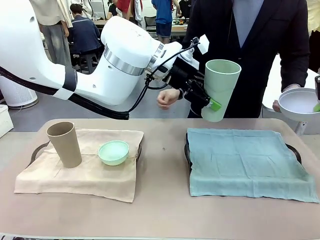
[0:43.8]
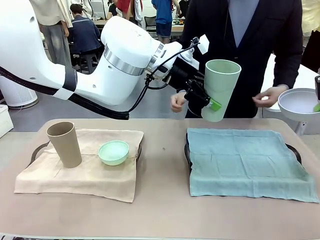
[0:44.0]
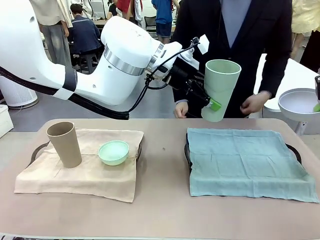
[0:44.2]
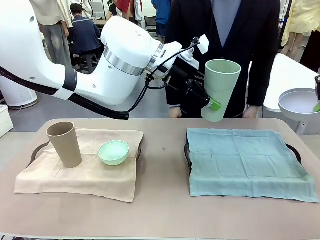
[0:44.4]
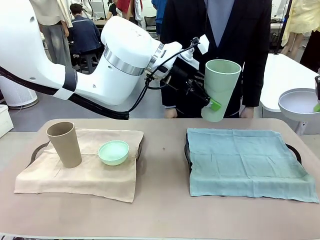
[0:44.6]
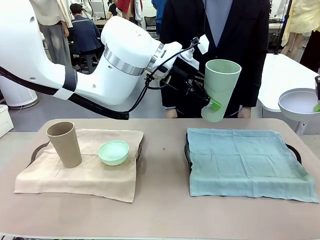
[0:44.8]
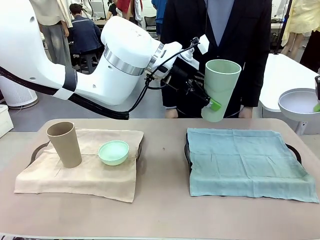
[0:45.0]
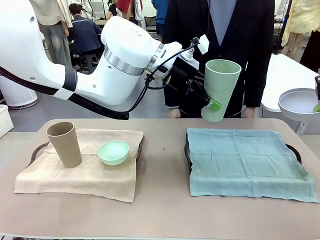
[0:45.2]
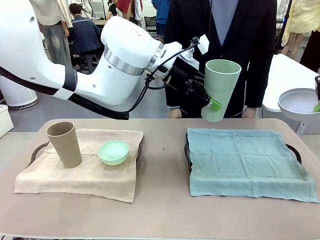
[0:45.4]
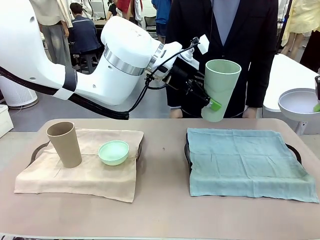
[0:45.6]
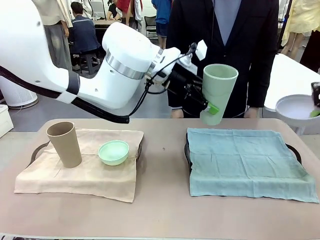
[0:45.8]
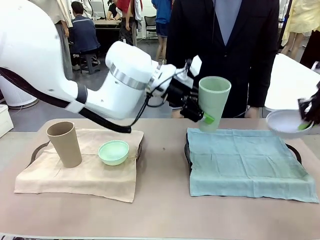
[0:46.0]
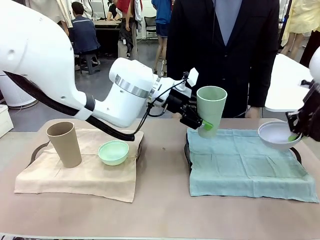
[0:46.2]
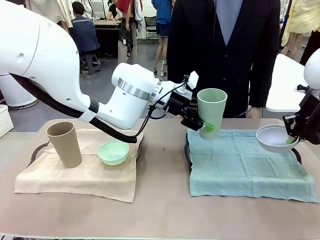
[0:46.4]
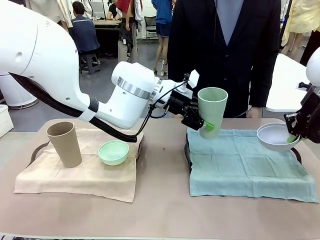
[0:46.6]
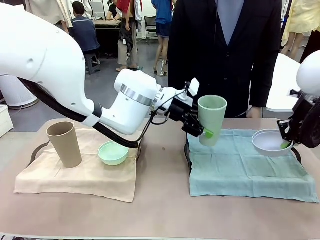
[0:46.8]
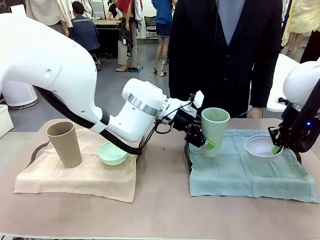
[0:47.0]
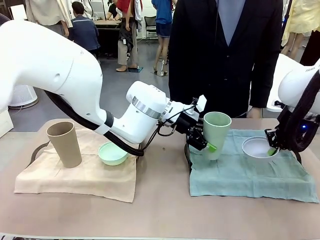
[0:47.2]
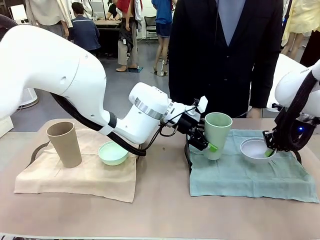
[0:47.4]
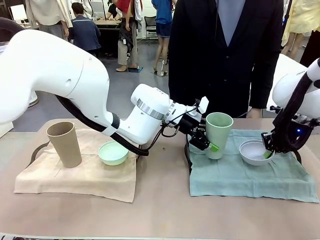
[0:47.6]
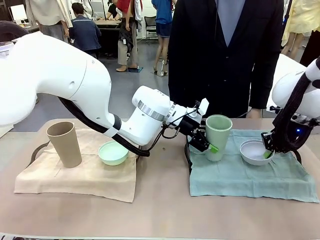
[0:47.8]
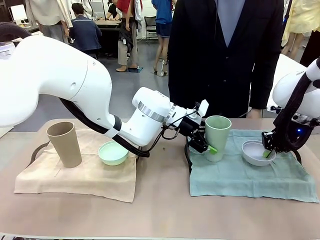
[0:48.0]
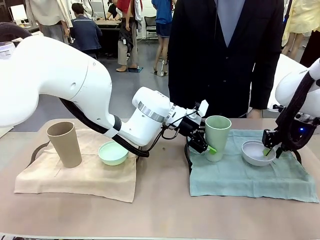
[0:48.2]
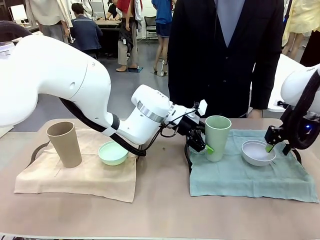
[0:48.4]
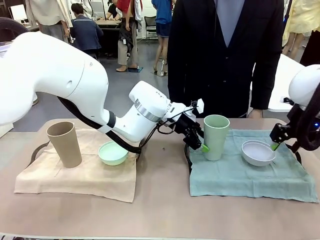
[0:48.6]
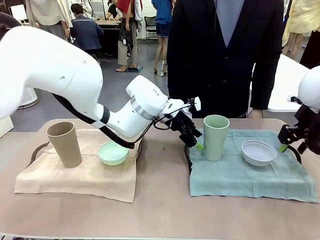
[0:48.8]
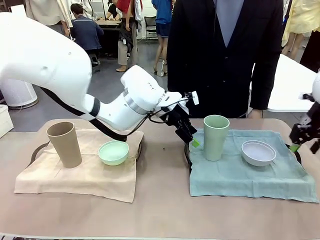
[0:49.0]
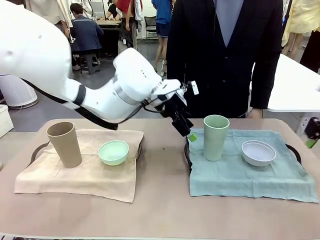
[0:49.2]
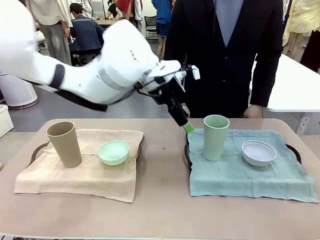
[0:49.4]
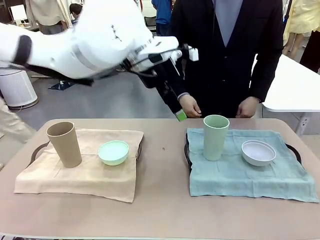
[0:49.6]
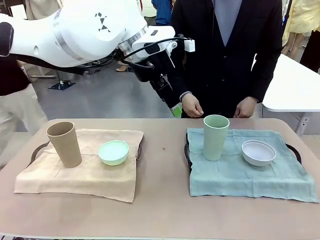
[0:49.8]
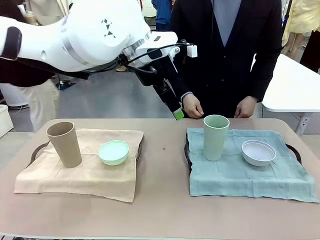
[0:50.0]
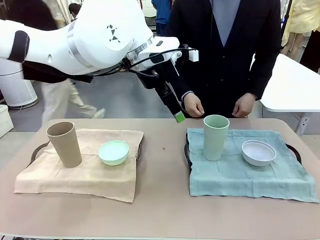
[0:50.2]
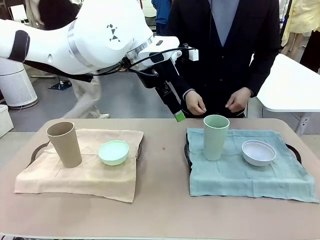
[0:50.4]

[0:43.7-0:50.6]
Robot: Place the Picnic Bowl and Reusable plastic cup back onto the Handle tray in front of the human's position.
